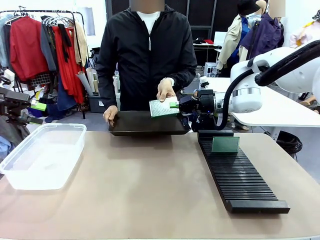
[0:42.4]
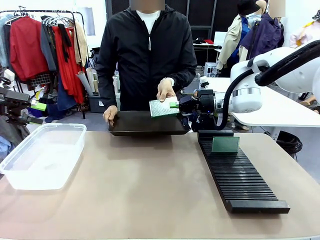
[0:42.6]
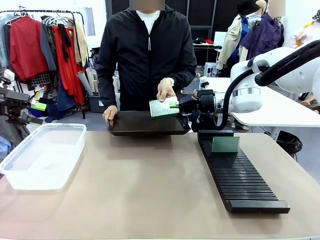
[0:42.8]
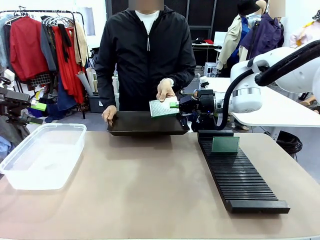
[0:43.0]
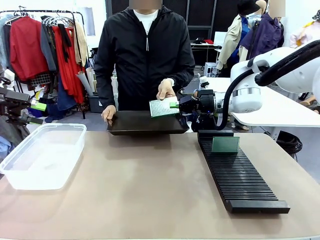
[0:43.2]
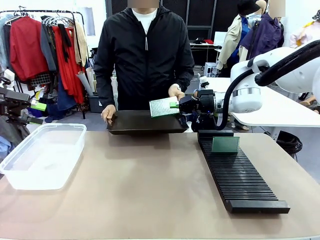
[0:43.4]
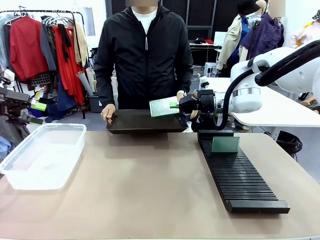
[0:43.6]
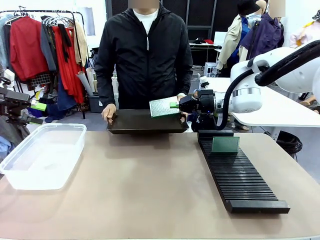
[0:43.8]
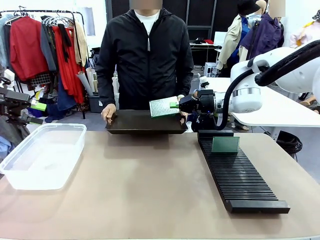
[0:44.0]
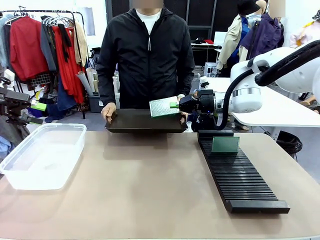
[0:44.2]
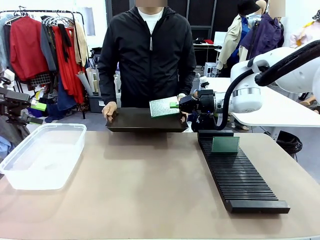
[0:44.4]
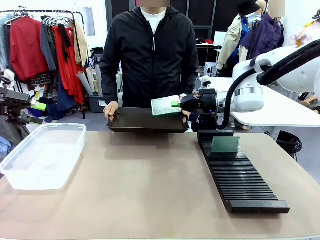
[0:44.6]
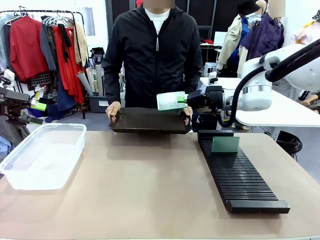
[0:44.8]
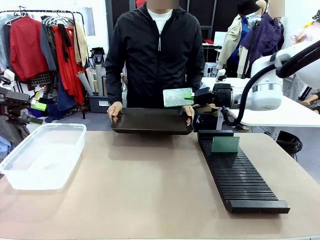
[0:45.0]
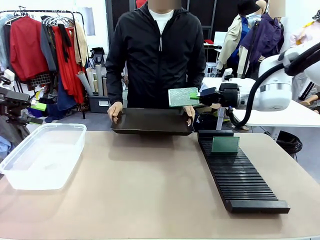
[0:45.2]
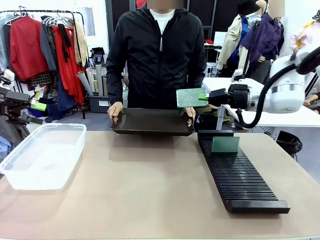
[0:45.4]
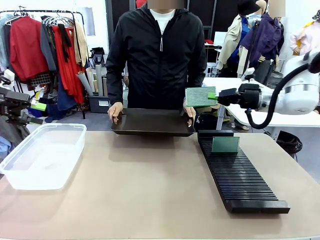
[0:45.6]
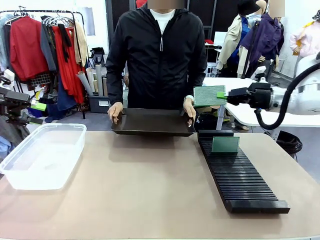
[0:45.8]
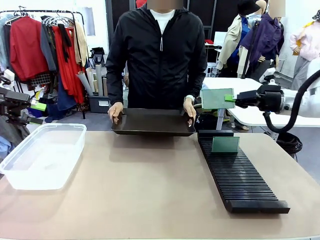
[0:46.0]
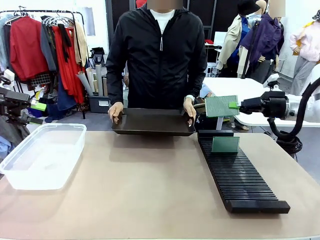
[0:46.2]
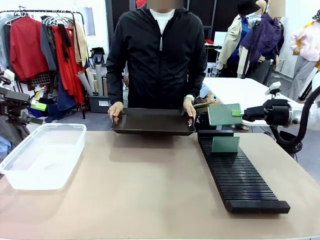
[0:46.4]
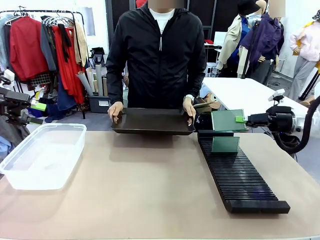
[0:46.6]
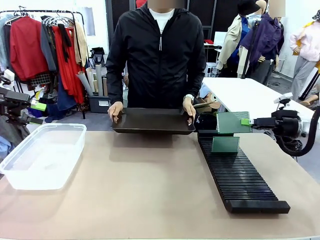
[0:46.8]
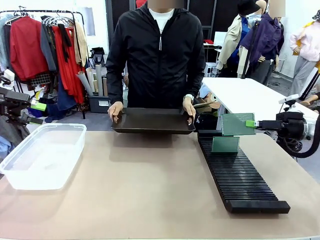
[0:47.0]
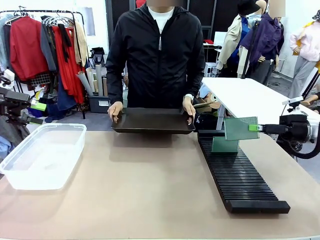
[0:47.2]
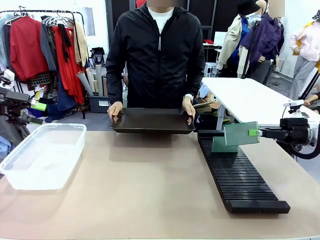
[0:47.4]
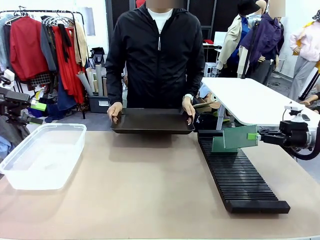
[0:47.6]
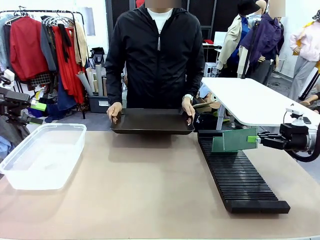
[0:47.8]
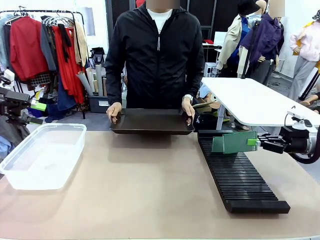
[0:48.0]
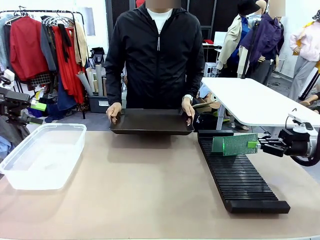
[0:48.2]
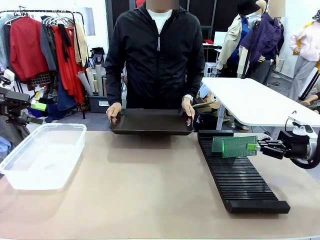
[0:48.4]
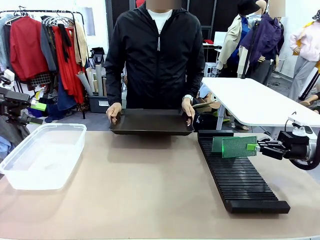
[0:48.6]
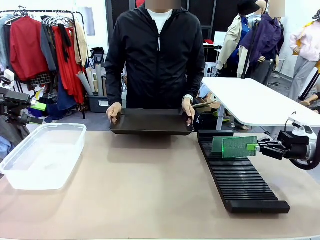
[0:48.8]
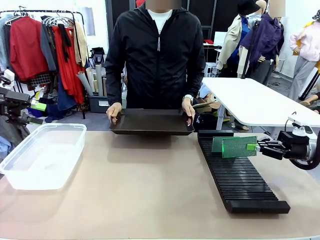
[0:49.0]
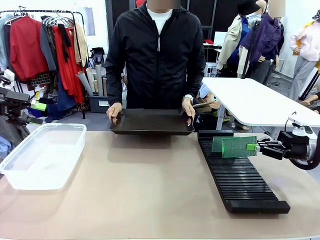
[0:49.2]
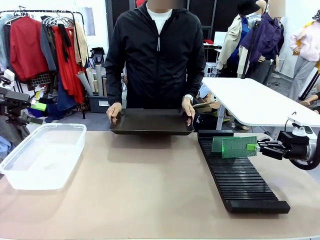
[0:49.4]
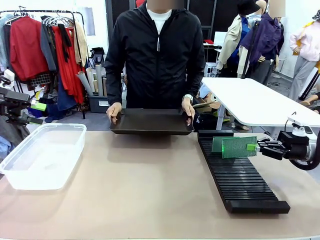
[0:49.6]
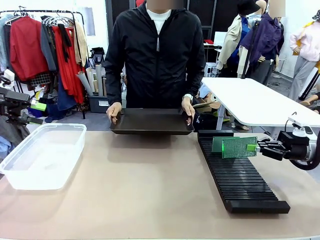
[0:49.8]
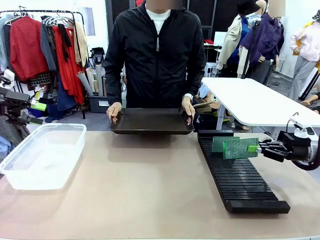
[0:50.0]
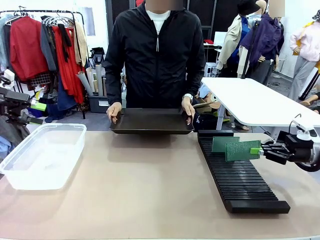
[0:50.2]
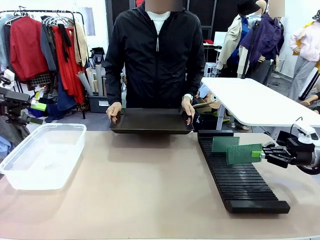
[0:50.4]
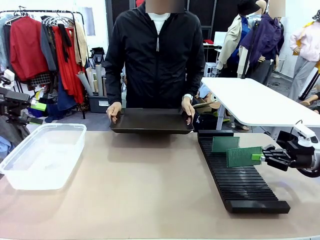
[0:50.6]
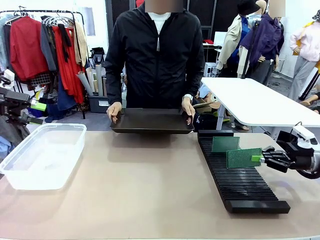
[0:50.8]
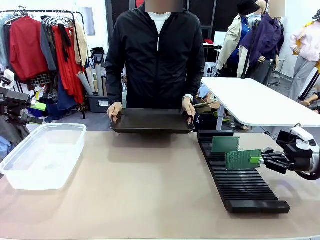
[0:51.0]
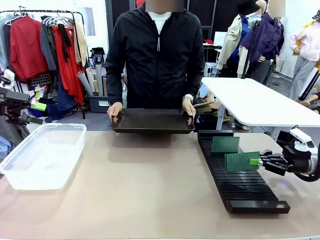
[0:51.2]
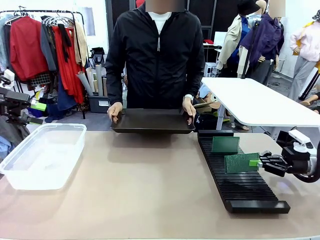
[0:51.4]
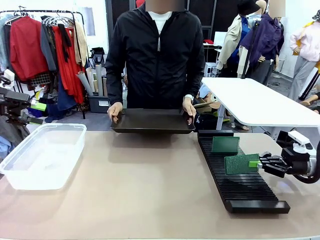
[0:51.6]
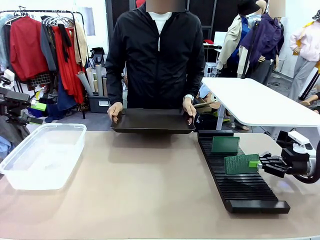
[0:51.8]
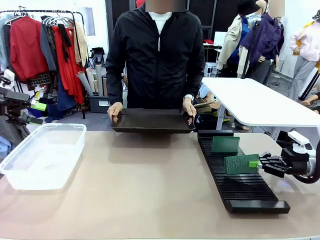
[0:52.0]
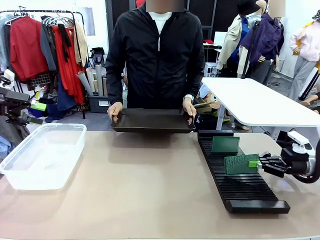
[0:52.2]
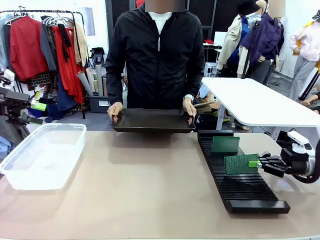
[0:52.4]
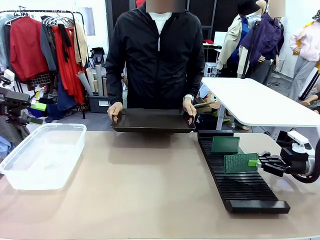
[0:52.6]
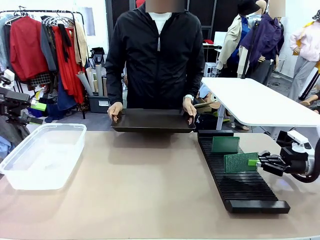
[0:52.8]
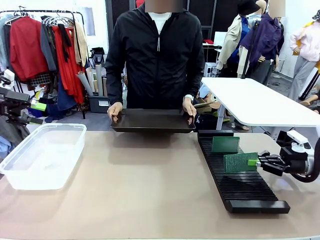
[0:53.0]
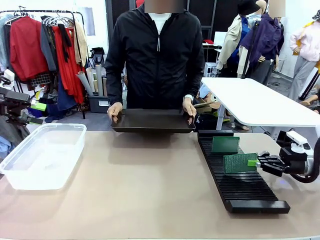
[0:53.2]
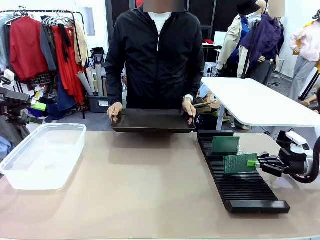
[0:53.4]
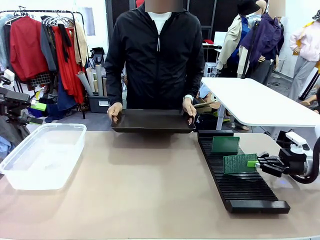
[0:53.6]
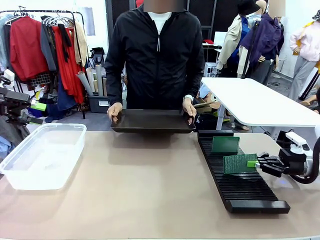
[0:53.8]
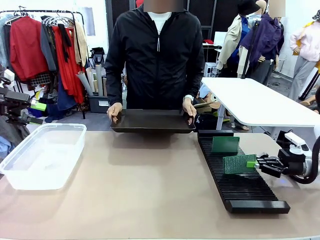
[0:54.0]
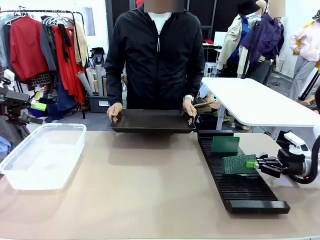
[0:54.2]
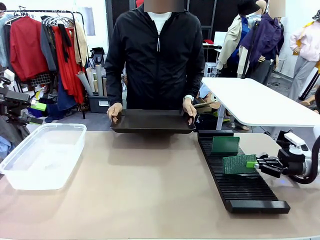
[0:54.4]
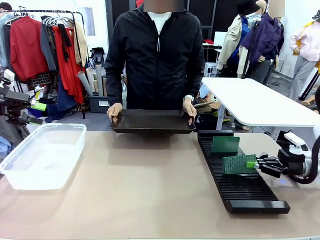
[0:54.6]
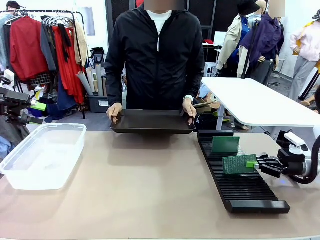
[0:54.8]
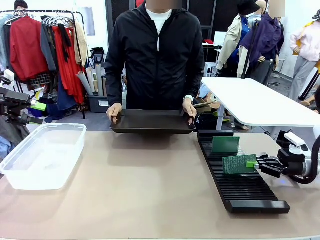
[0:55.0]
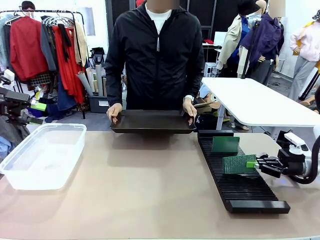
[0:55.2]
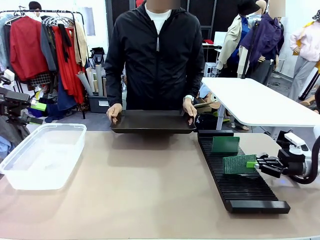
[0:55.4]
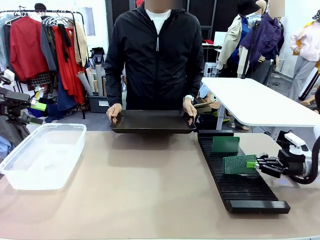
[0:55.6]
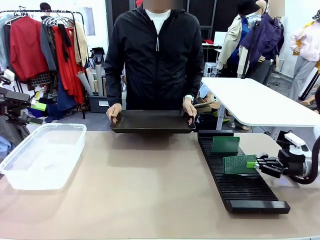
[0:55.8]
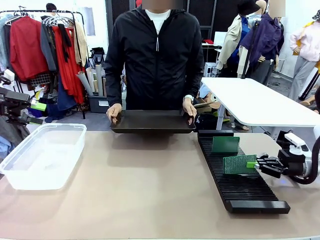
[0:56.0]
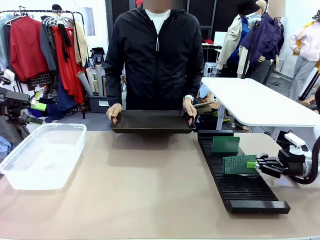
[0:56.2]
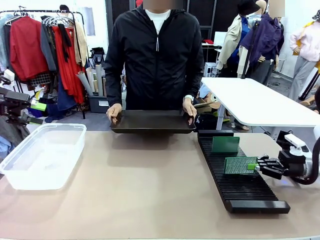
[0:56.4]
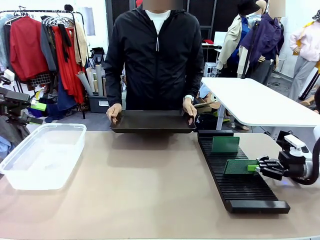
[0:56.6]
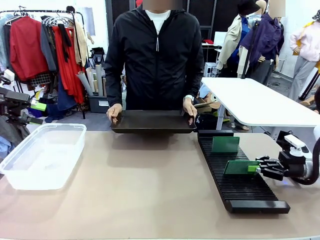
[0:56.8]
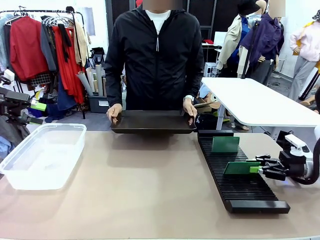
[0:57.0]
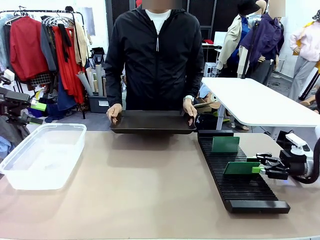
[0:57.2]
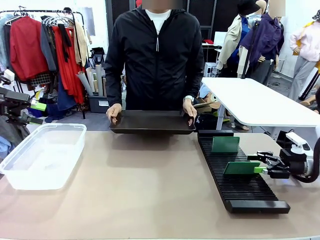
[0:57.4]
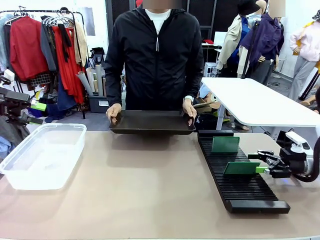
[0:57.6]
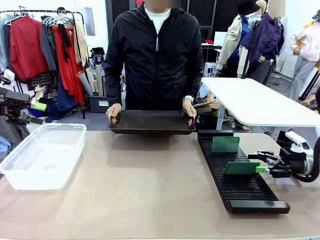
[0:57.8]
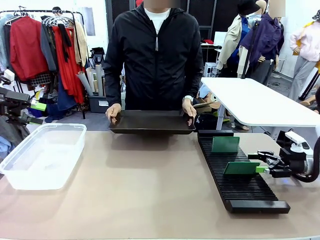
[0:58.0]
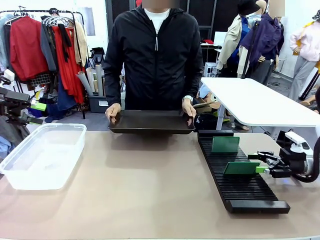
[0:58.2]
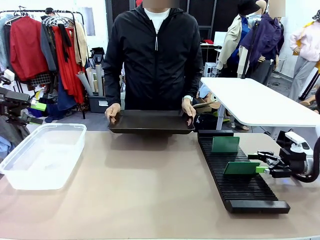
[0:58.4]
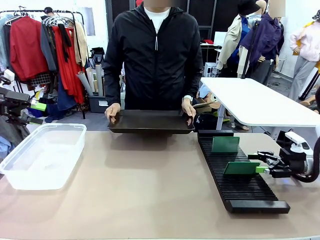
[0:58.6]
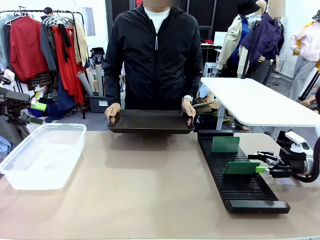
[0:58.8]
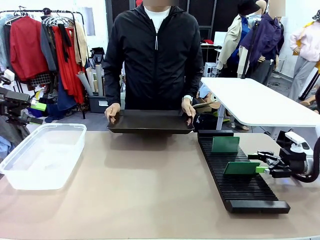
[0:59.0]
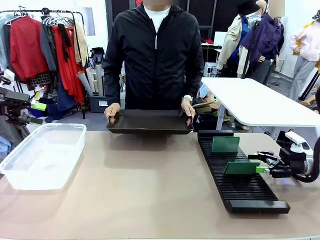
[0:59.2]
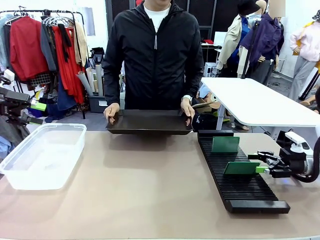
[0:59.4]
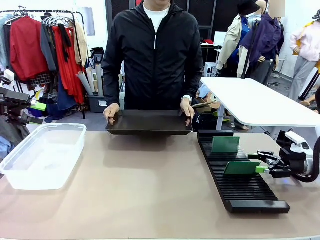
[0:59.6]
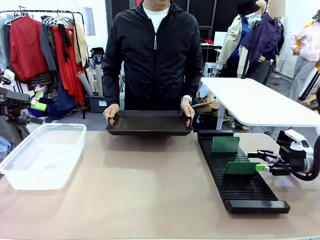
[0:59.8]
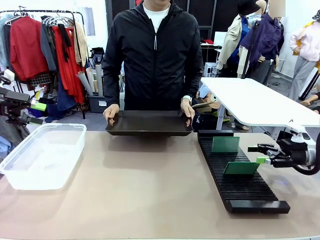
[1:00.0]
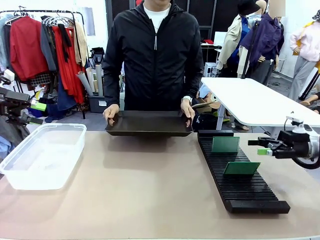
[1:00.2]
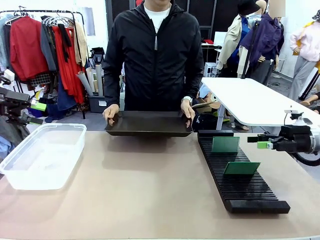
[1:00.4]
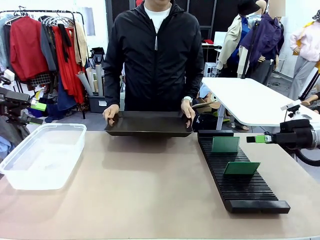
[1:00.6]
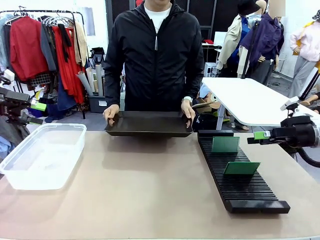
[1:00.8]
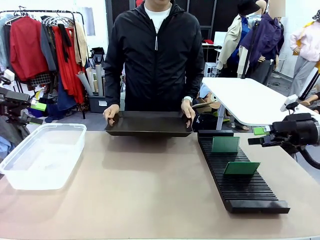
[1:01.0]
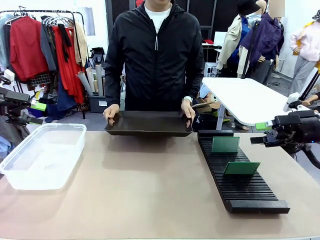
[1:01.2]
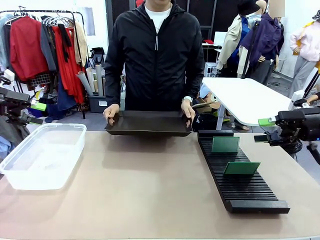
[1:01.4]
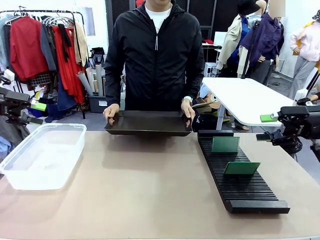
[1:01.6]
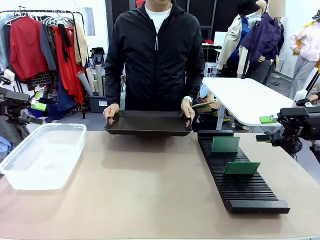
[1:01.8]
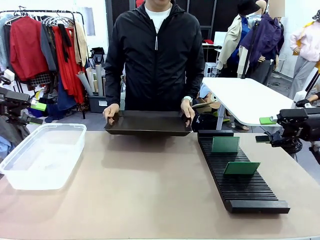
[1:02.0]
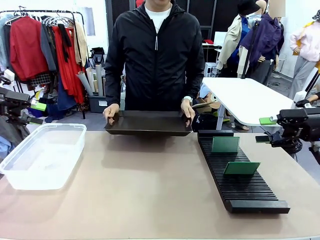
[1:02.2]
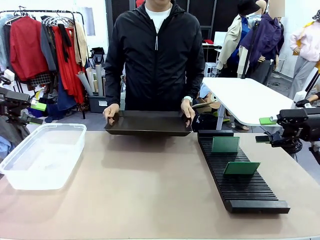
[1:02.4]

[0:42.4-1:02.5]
Task: Sort PCBs into racks and boxes based on the side picked up.
Robot: If the short side of the Blank PCB is picked up, insert it into the PCB Rack ; if the long side is picked up, place it in the Organizing box.
Person: Release the PCB being held.
